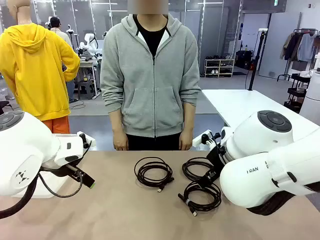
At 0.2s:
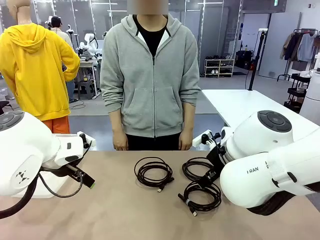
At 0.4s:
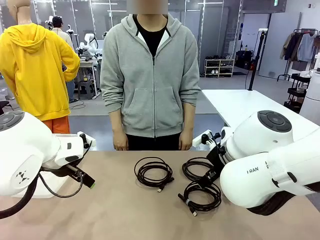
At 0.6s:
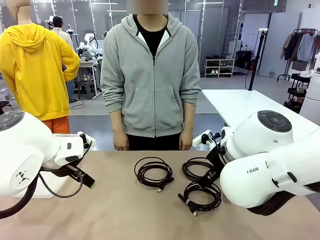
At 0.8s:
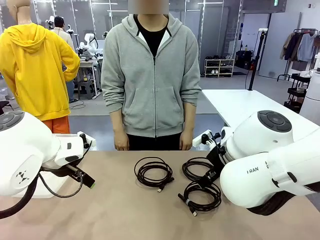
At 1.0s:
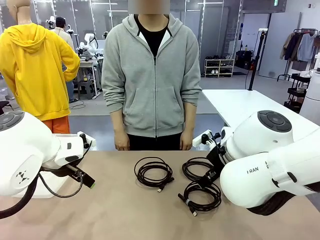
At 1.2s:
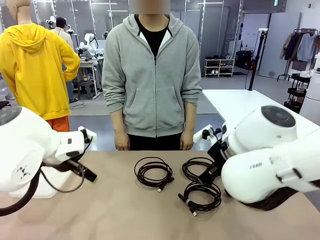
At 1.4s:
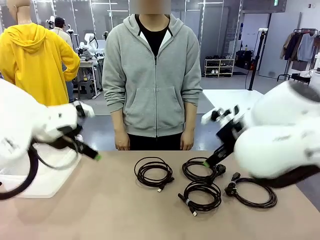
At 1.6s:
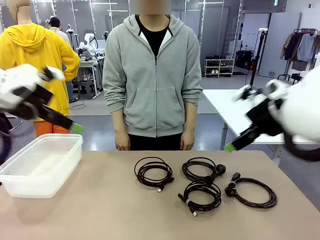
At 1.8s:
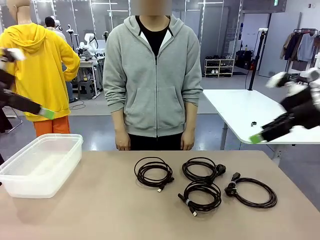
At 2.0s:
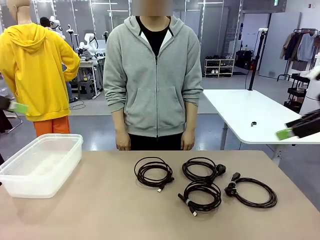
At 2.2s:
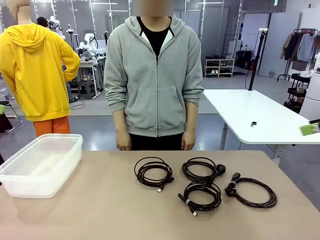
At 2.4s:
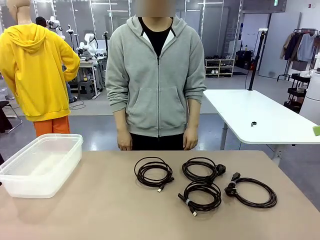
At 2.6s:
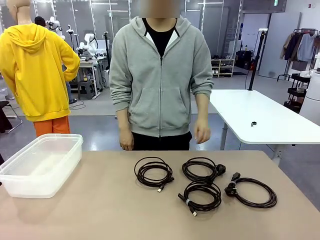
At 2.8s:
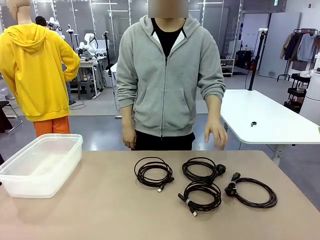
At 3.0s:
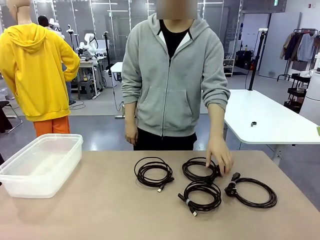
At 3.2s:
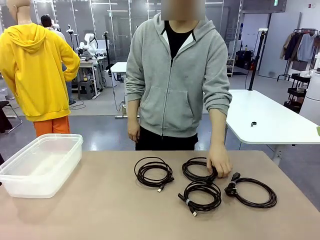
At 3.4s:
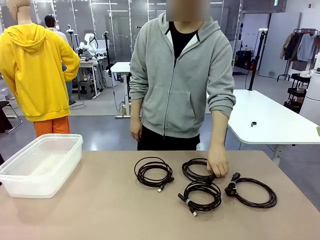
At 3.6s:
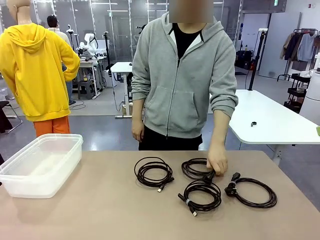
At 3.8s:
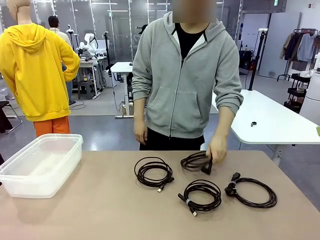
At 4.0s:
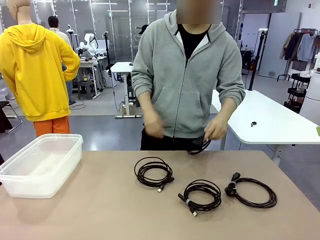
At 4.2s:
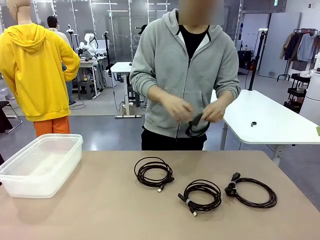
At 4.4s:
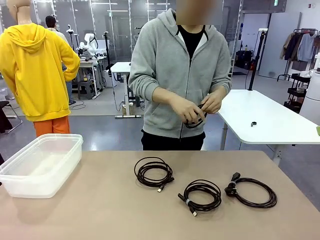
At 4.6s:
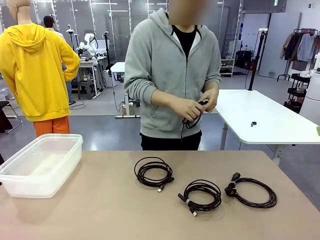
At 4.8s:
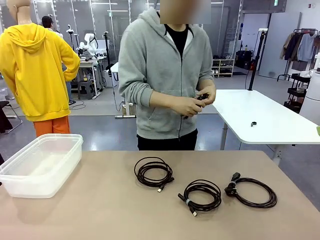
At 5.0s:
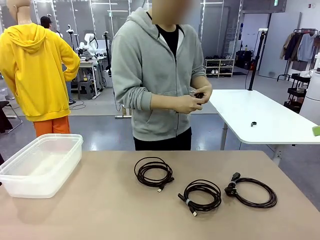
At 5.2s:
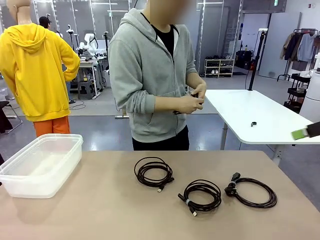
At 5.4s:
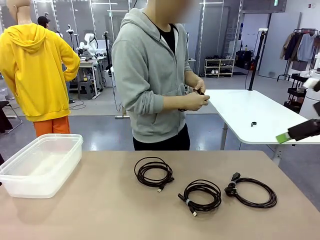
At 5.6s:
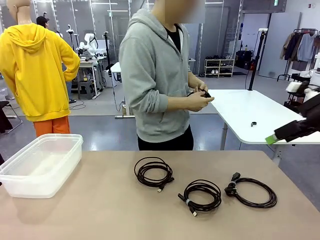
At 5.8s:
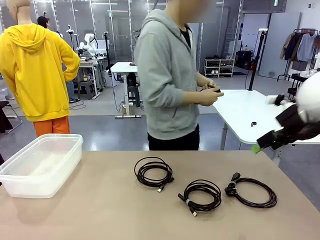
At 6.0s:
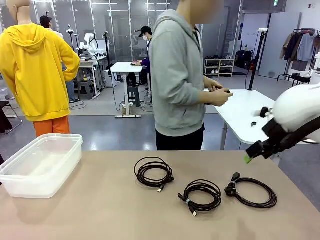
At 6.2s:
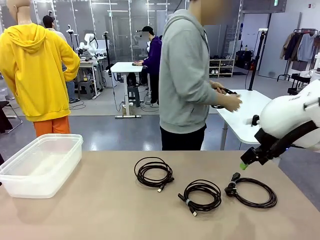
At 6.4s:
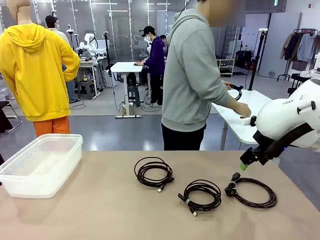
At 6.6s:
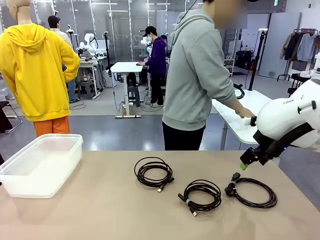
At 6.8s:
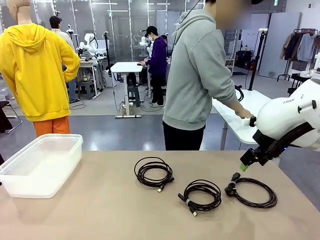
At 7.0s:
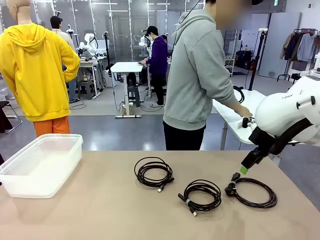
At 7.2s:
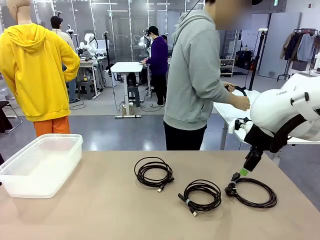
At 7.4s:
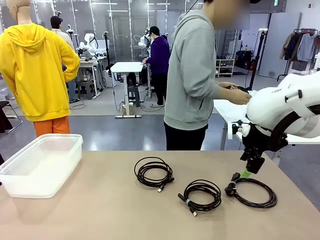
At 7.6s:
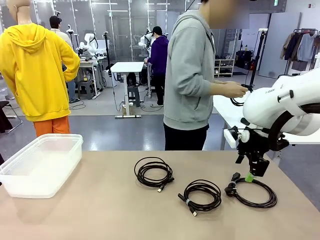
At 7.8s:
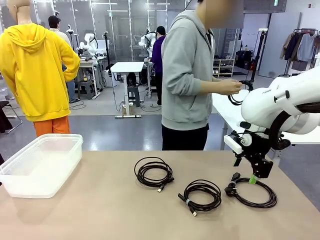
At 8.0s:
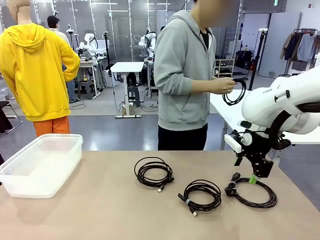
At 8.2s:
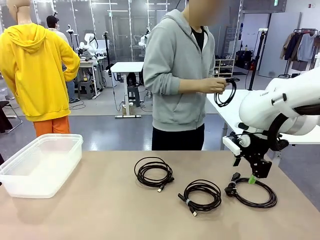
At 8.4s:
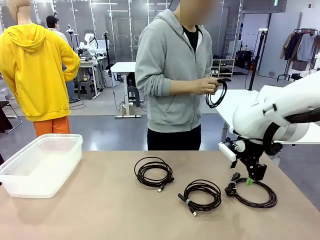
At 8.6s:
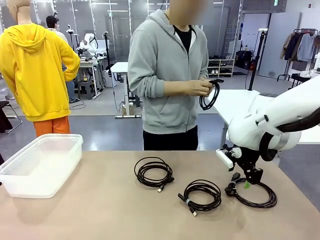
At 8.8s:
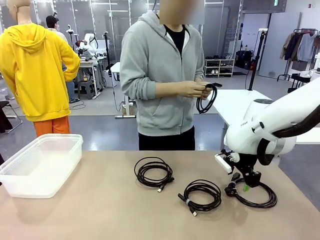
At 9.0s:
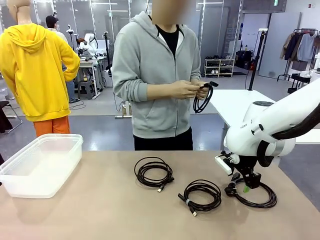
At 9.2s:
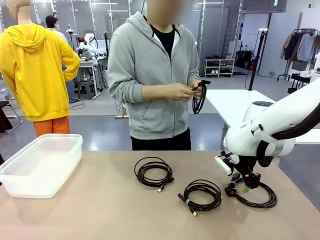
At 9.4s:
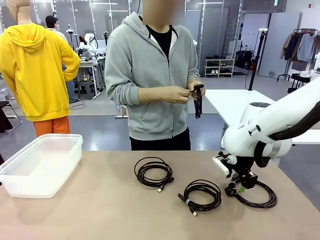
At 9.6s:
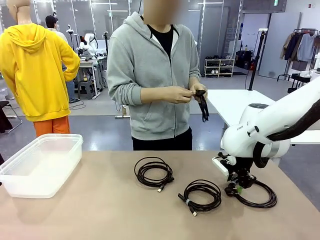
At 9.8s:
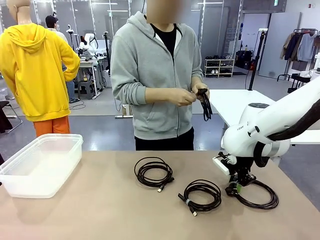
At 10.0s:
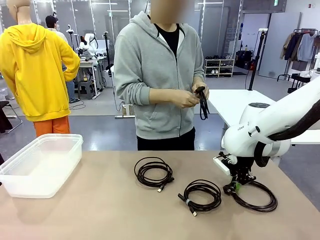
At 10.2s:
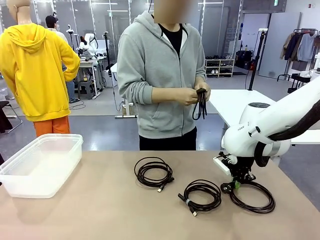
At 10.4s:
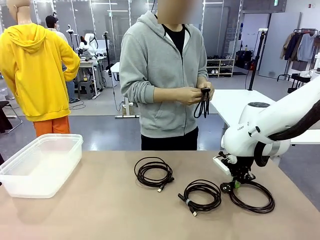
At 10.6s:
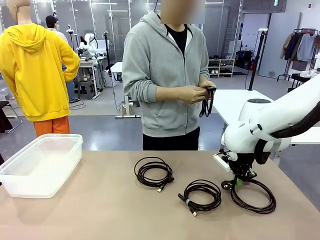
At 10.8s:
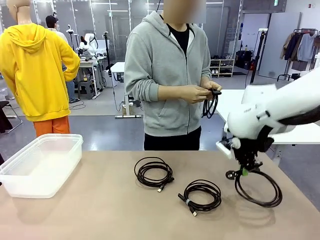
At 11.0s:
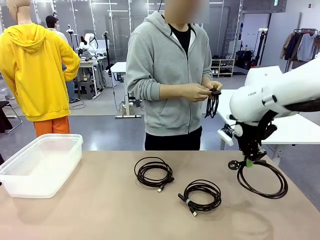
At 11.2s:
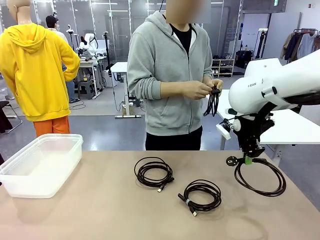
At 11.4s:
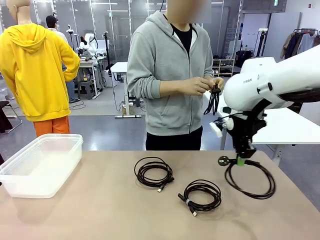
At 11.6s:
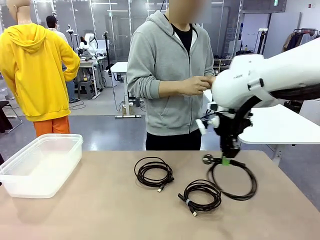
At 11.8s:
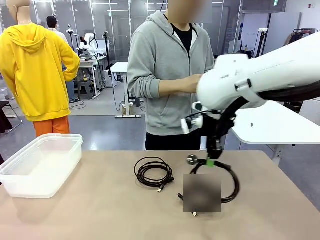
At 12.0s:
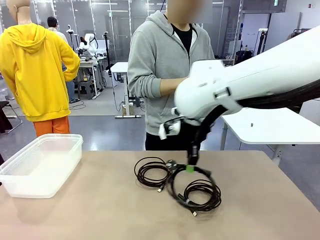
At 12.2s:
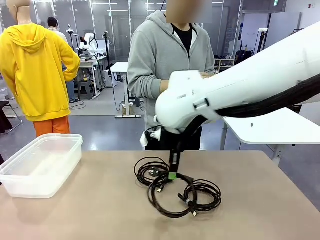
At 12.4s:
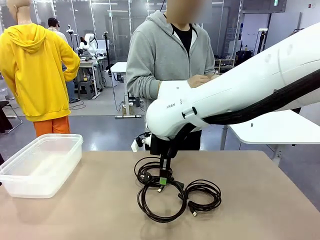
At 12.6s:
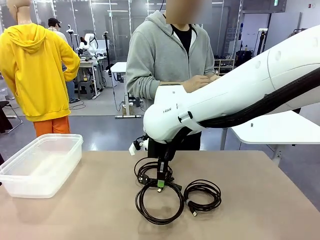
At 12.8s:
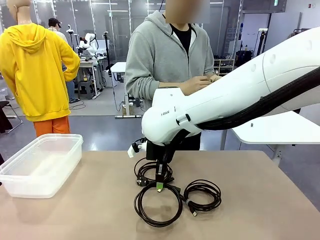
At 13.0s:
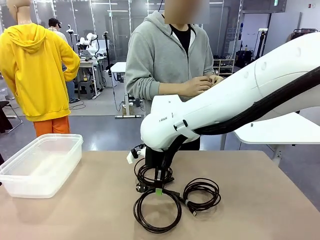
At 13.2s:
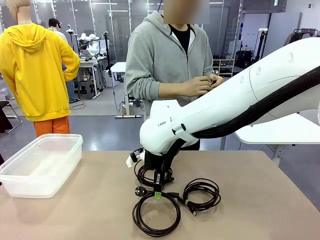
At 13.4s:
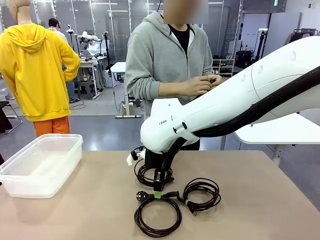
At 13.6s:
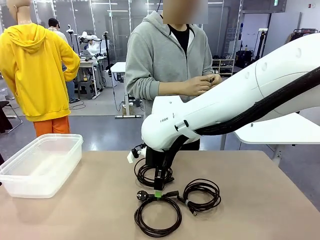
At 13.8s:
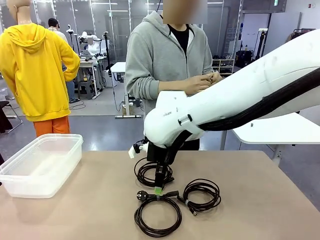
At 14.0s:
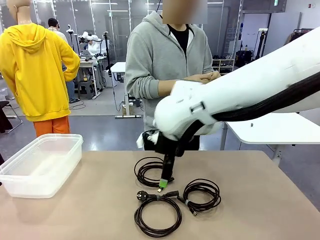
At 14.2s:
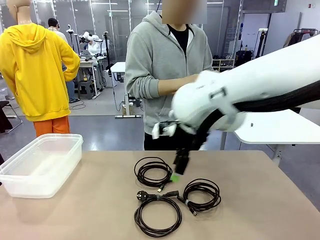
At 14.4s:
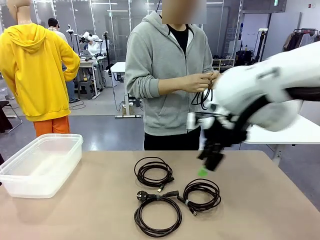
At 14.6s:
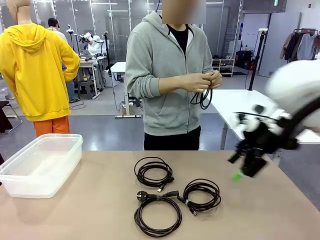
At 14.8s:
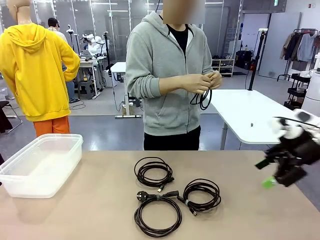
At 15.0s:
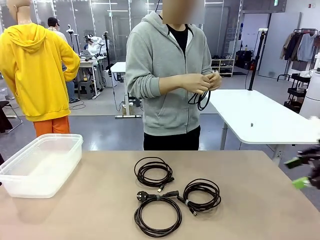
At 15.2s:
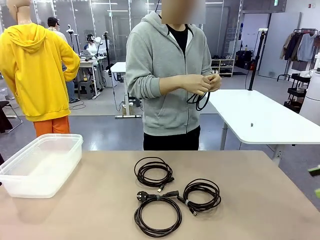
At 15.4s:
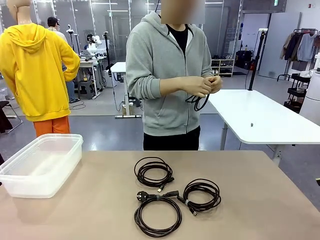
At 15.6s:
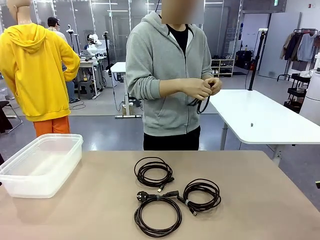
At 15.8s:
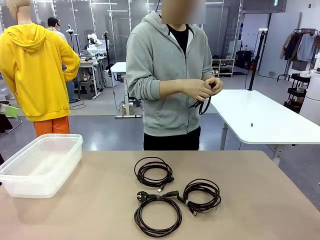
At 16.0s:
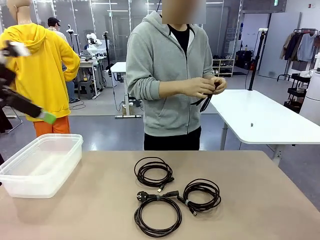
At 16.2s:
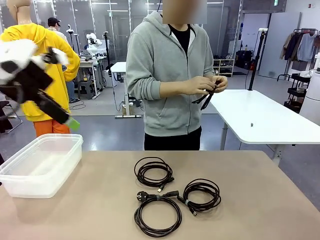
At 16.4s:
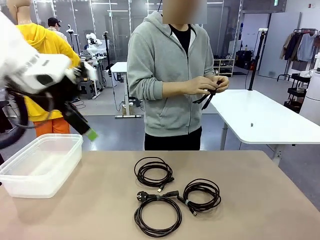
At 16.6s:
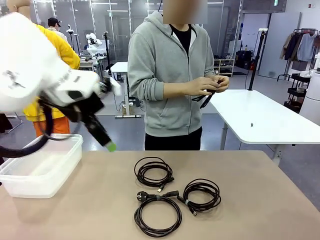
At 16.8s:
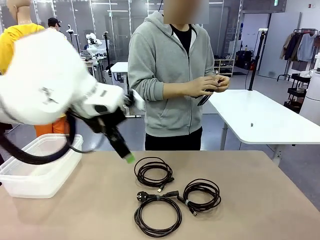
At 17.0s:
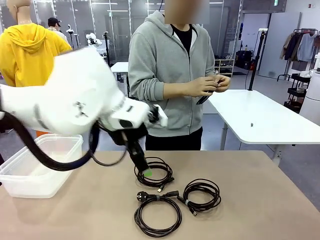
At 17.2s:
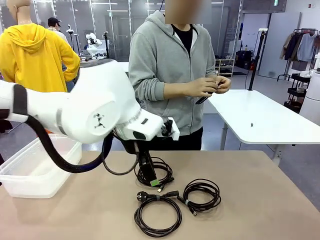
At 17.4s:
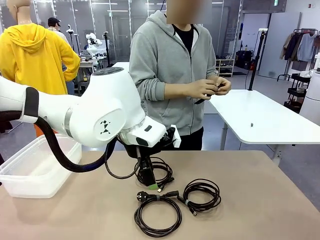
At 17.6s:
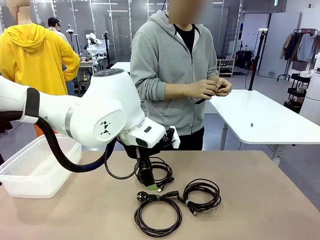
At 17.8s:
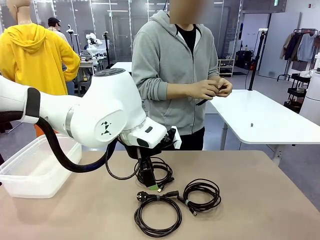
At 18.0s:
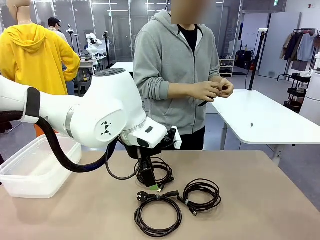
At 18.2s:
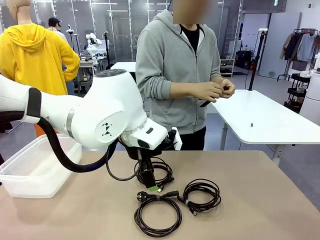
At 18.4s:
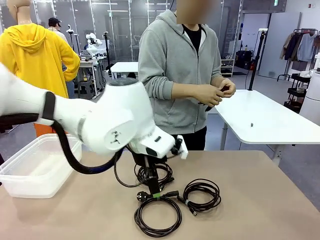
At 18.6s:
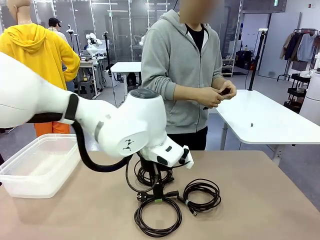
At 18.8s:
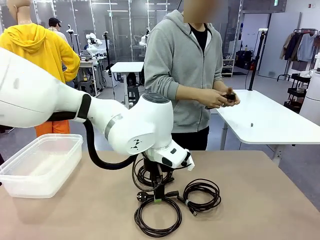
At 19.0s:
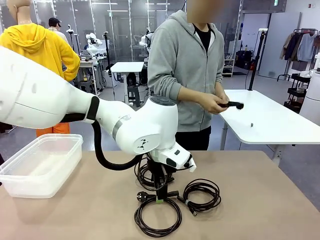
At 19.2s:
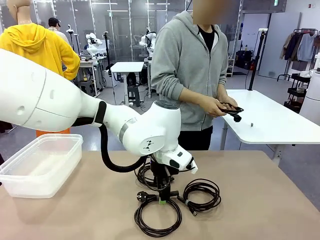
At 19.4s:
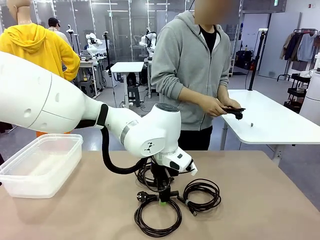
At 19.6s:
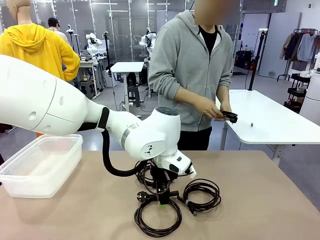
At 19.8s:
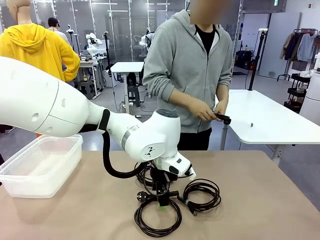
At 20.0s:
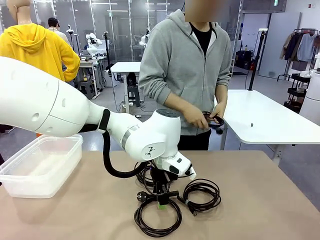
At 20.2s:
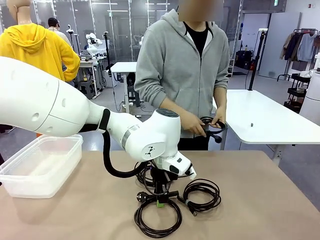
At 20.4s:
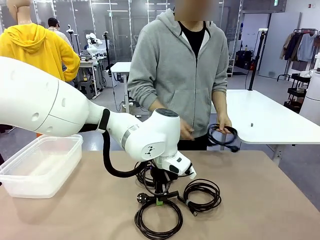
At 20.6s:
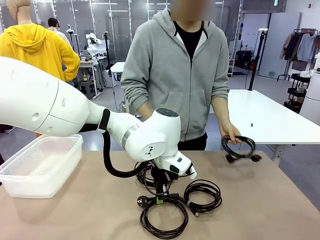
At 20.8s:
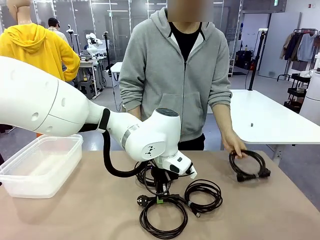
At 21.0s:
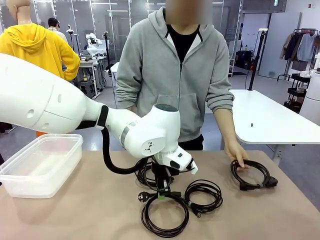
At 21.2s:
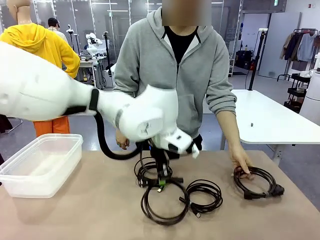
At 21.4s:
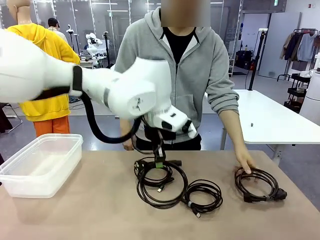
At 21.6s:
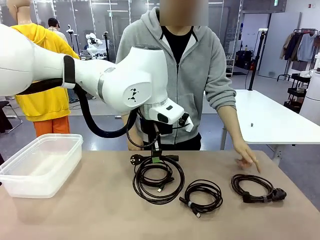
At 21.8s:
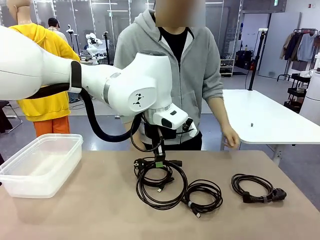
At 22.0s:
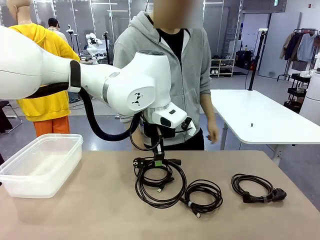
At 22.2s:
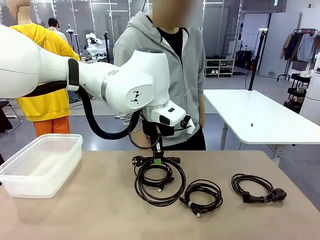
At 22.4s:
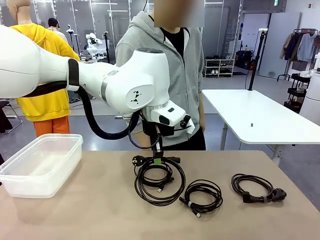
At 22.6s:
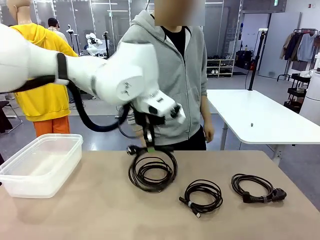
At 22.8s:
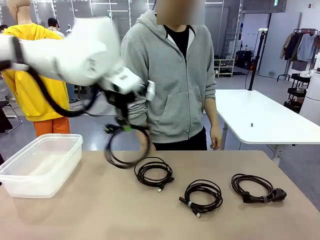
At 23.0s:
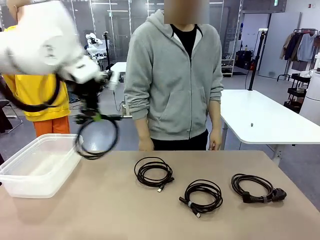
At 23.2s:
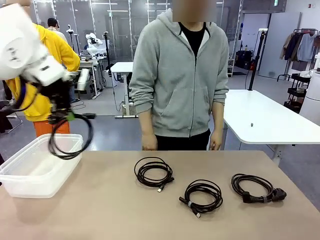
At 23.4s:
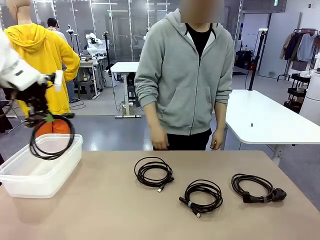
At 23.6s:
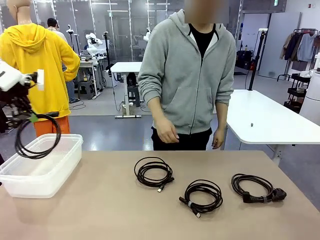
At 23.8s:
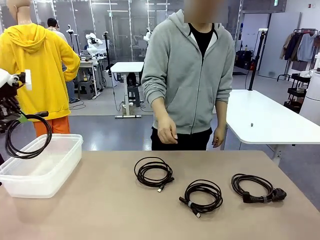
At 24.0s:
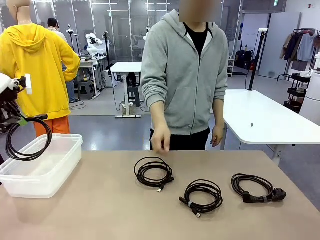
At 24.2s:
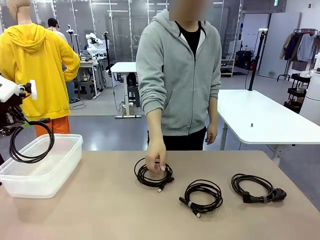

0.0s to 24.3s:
Task: Organize and store the cables.
Robot: Place the Power Cable into the Organizing box.
Person: Tie one Power Cable with a Reusable Cable Tie.
